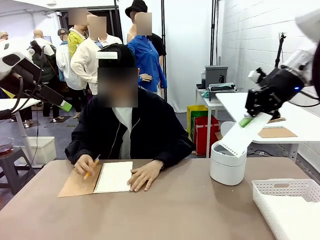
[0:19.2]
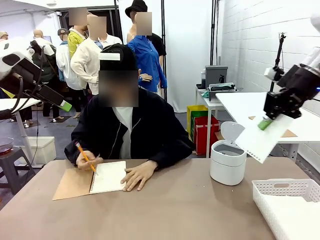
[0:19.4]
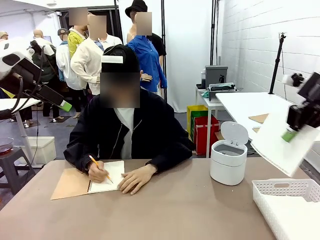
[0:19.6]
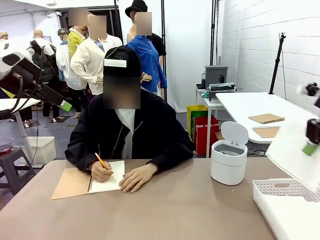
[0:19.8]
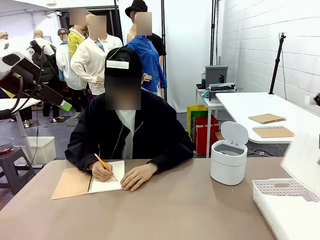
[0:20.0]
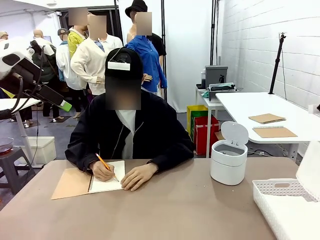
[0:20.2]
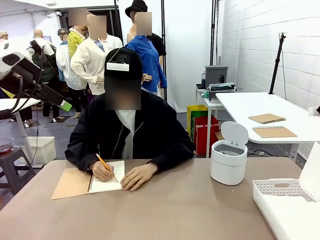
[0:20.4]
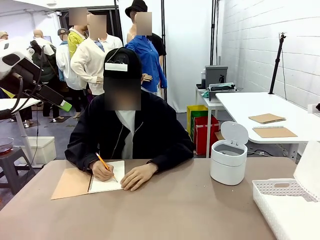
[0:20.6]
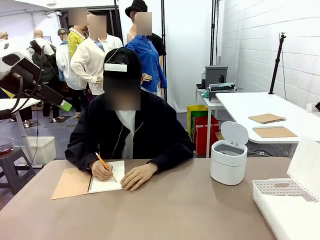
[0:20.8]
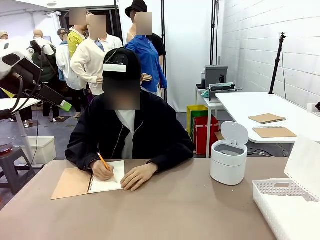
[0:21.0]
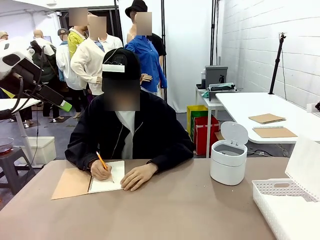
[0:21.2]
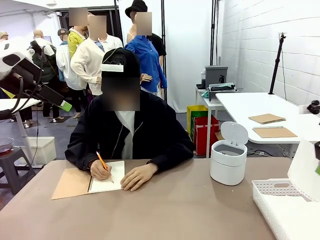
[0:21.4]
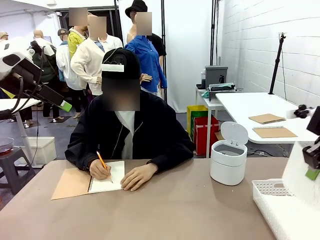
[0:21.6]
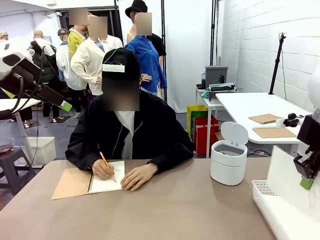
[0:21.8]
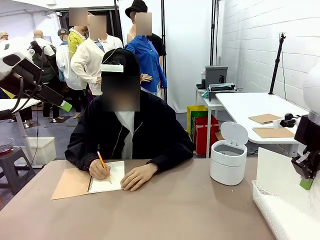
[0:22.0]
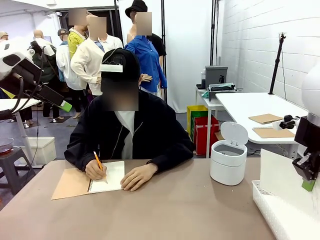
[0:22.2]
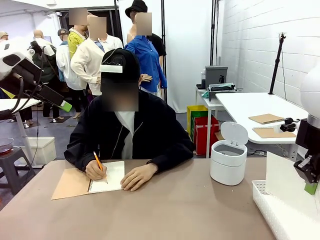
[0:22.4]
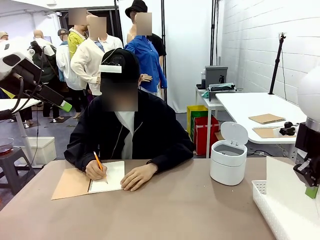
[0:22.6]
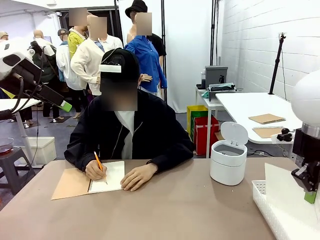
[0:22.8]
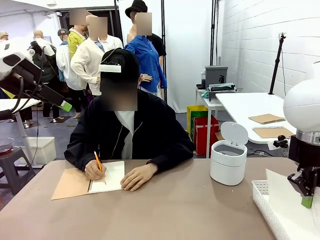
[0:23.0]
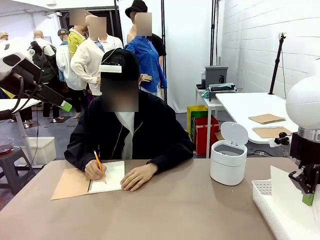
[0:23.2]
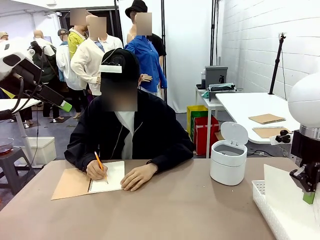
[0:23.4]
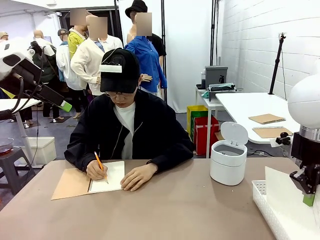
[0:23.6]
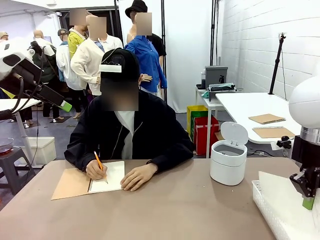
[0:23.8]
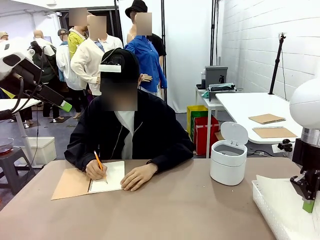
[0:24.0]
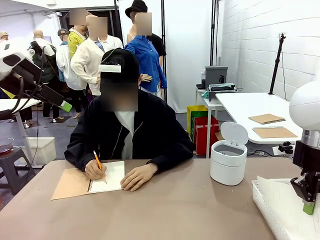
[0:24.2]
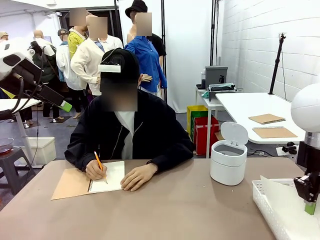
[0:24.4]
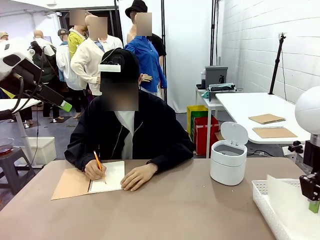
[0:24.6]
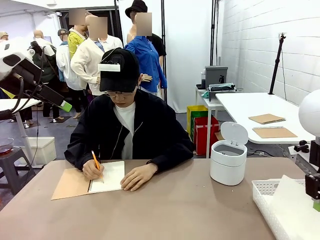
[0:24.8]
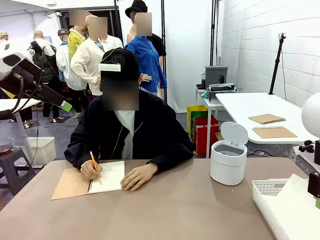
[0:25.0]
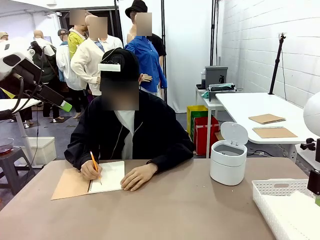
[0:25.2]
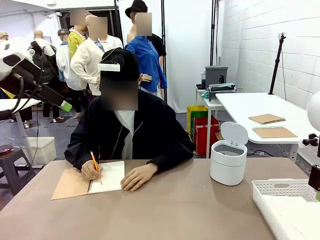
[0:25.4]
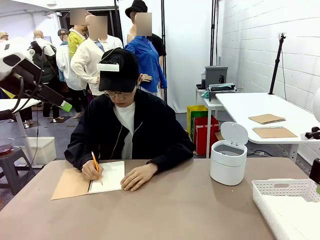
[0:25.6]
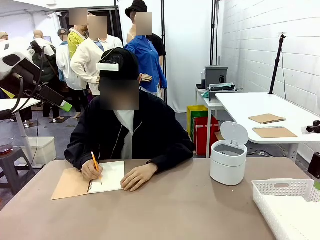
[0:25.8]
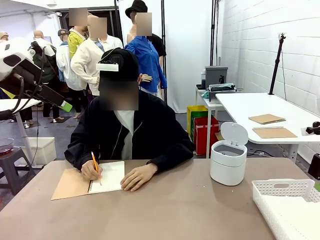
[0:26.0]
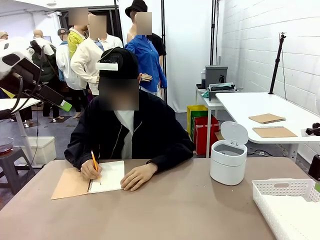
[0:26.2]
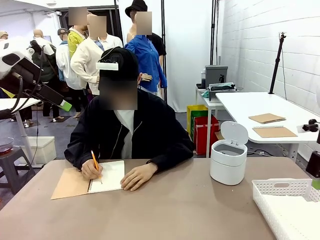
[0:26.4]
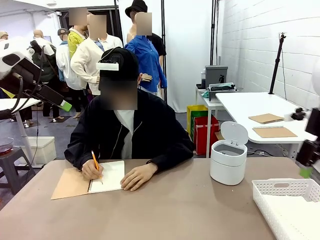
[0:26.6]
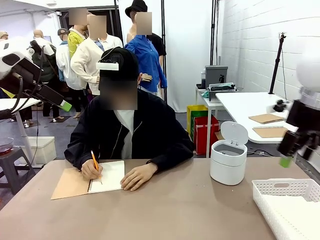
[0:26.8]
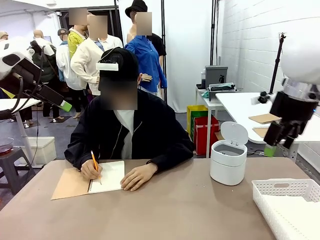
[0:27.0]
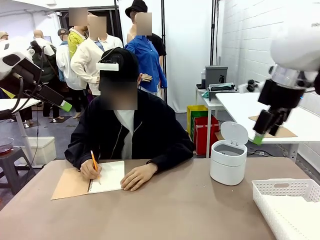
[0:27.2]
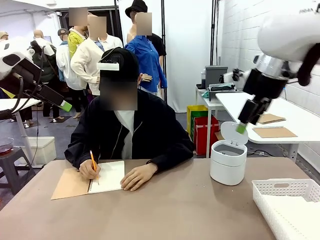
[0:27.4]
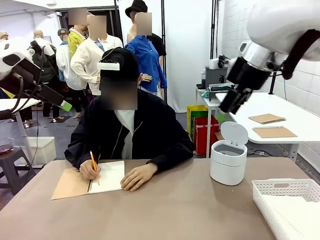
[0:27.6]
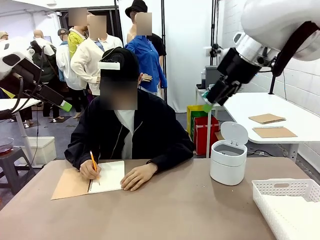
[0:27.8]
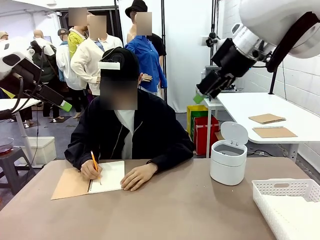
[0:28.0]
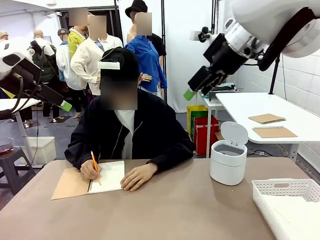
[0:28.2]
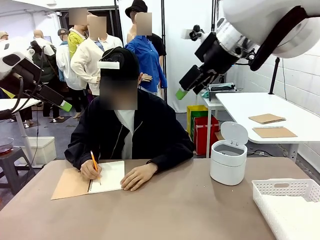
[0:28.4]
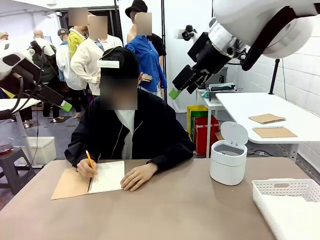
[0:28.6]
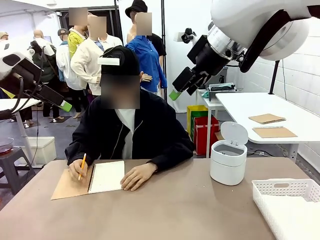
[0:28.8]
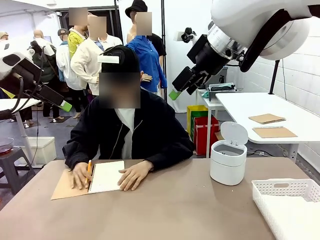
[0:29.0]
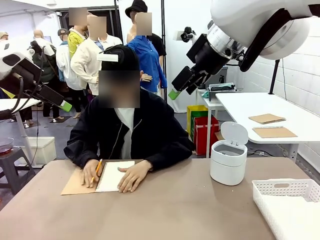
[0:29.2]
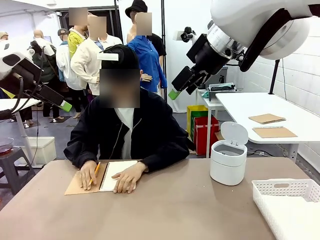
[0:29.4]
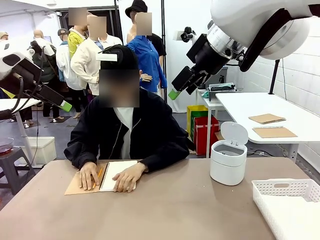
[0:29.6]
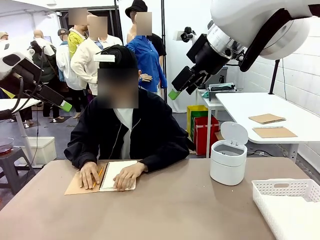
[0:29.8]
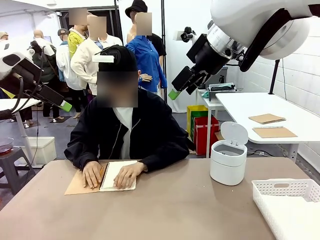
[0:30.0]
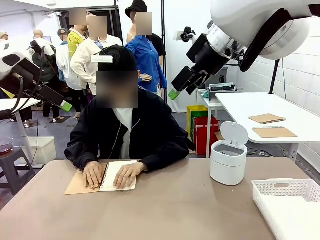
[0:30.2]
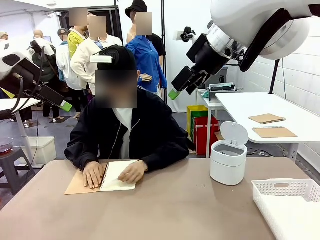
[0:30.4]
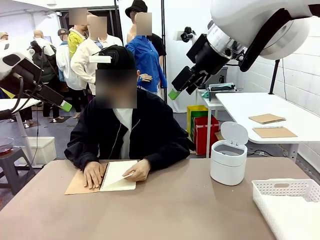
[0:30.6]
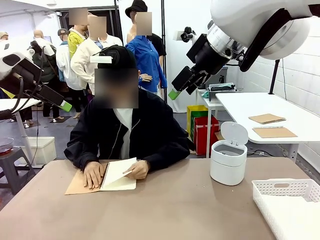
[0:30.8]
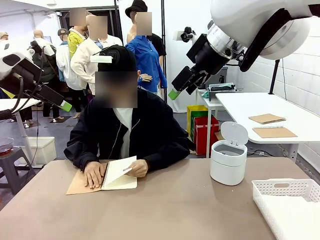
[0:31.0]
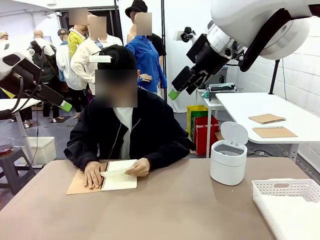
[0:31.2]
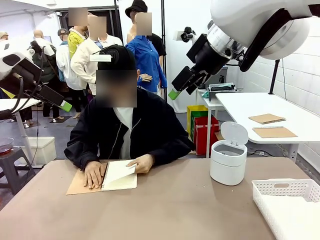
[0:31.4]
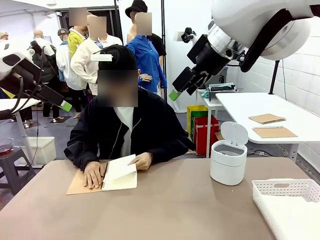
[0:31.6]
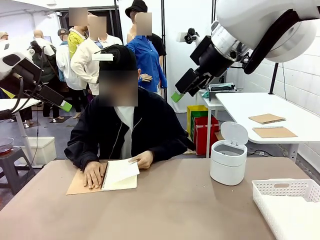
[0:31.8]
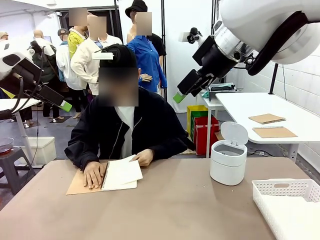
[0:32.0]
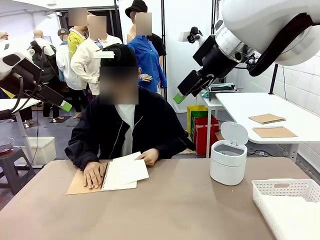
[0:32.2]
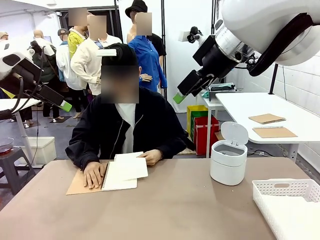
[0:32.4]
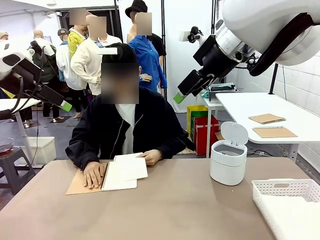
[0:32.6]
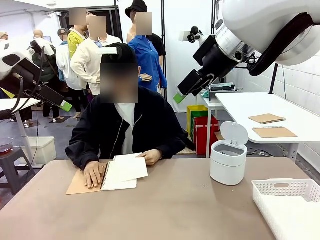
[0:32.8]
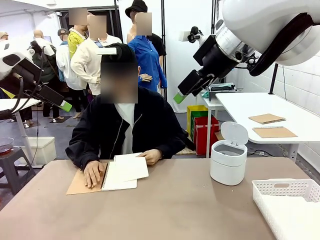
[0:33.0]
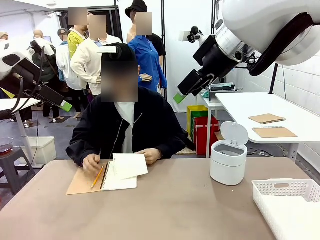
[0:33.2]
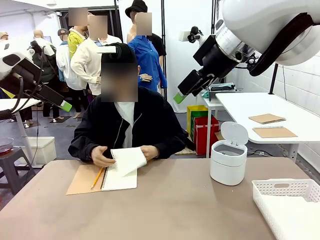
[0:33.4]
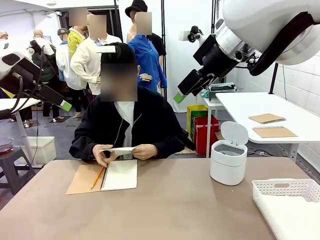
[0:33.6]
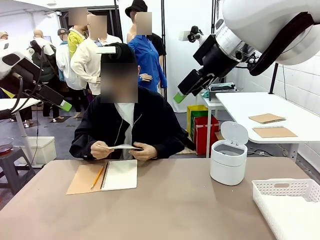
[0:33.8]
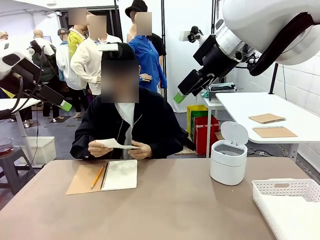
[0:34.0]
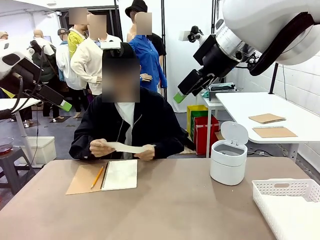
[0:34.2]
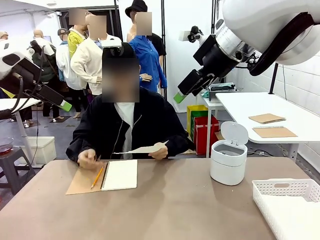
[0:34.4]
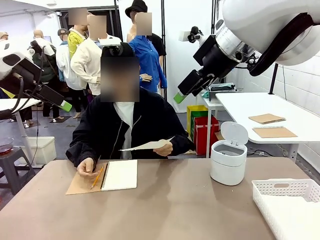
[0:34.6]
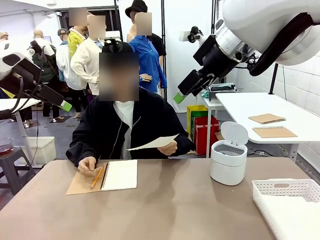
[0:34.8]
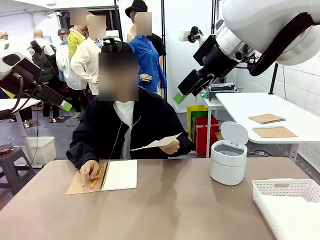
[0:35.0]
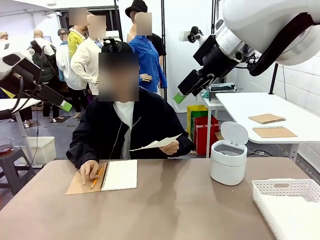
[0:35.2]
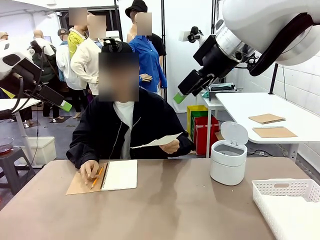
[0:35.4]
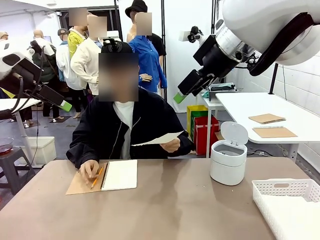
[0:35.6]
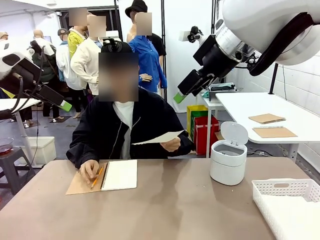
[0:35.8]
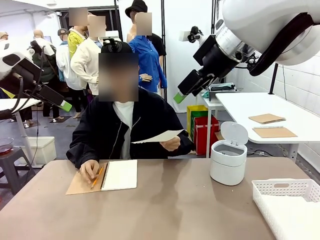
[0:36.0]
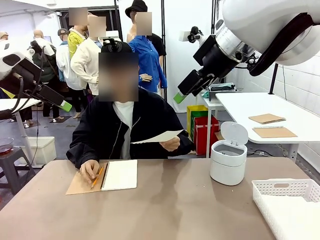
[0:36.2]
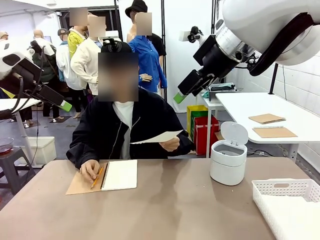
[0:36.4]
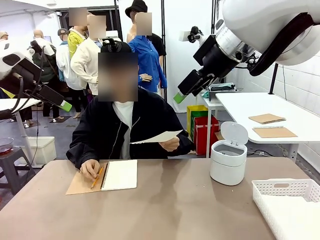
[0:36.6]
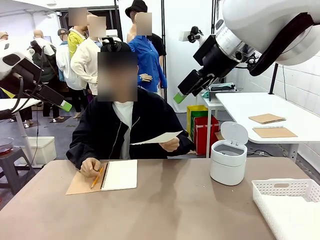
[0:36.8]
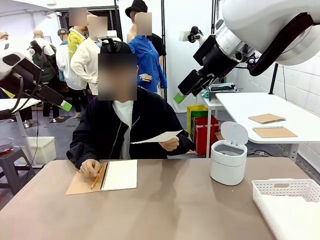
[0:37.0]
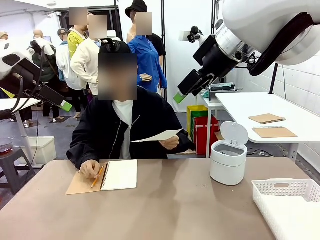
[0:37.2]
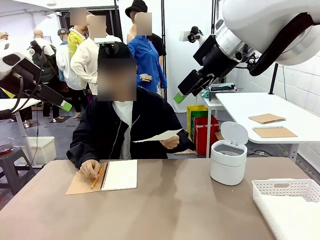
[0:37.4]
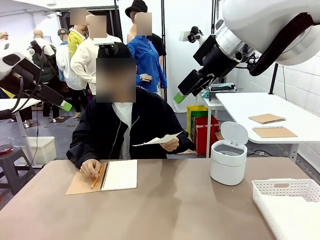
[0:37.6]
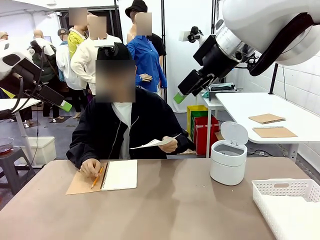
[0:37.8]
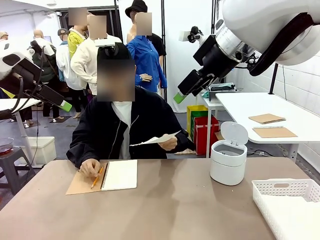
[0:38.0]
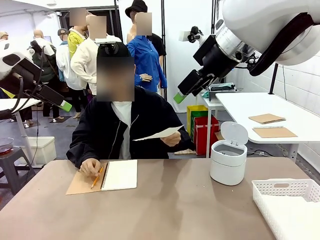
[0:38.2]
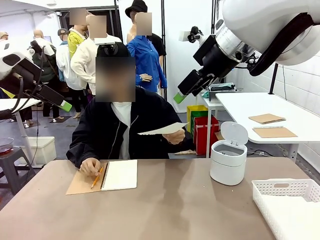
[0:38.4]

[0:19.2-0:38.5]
Task: Sort the paper based on its condition.
Robot: If a person hands you a paper, place it in the Organizing basket , and if it's crumpled, put it in the Trash can.
Person: Tear out a page from the spiral notebook. Hand the torn page to the robot or crumple it and throw it to the center of the table.
